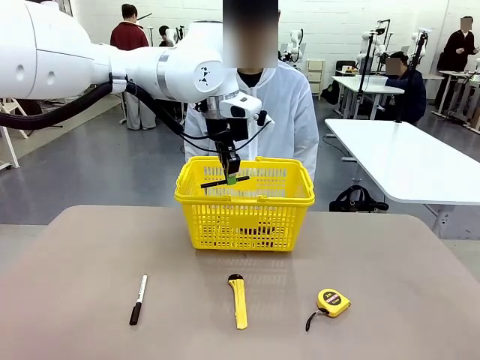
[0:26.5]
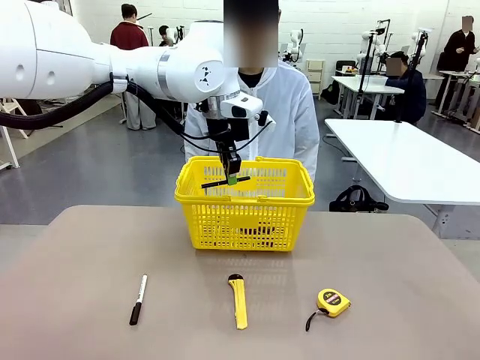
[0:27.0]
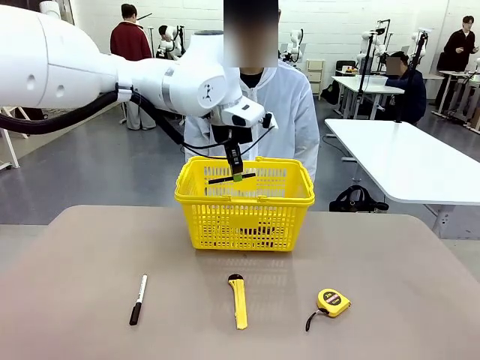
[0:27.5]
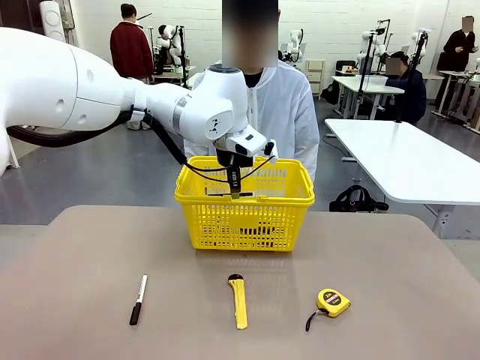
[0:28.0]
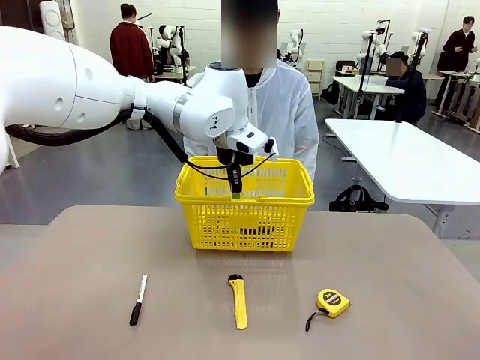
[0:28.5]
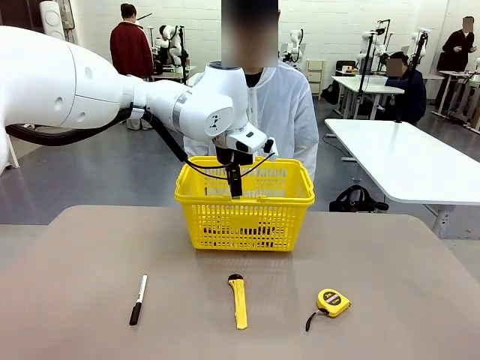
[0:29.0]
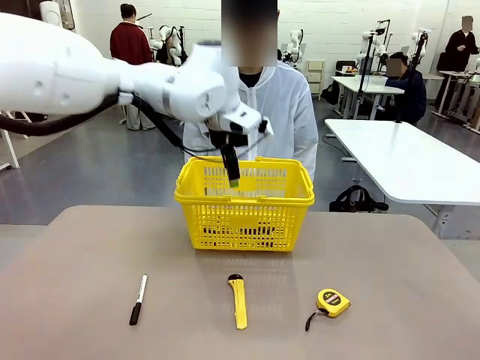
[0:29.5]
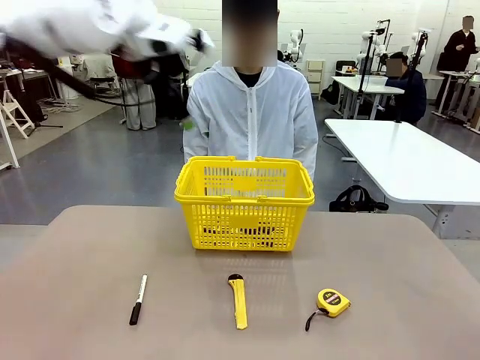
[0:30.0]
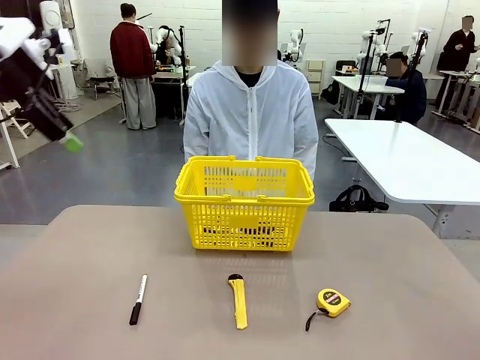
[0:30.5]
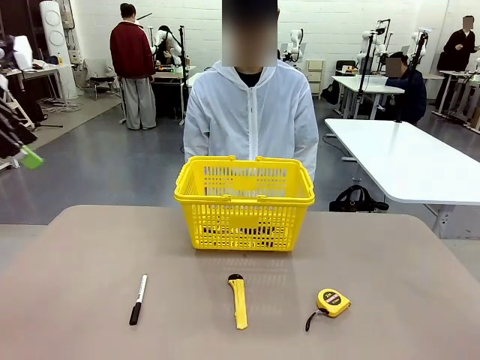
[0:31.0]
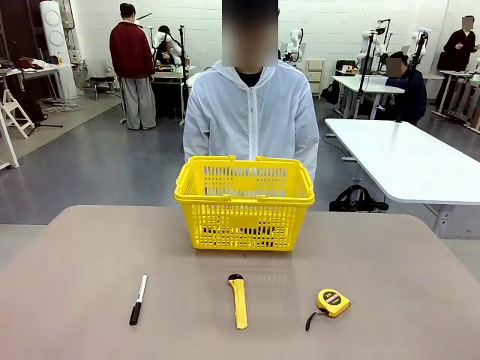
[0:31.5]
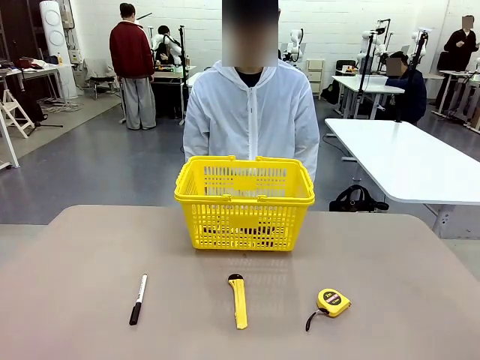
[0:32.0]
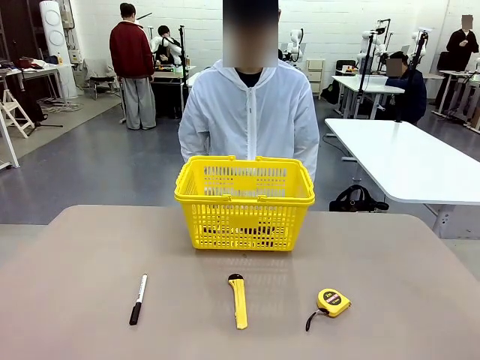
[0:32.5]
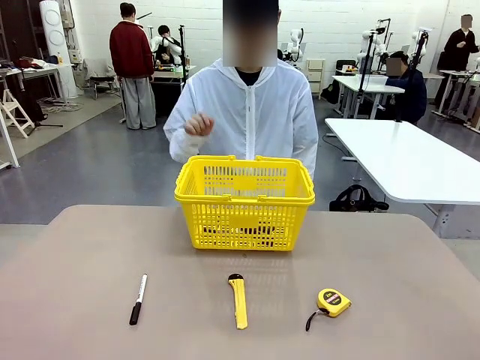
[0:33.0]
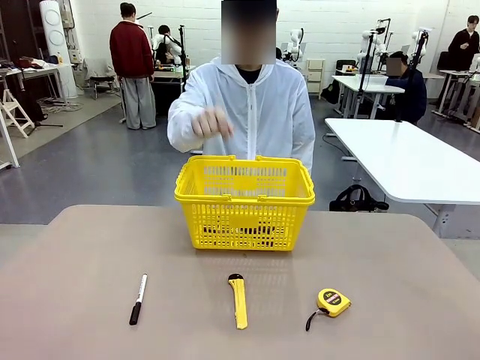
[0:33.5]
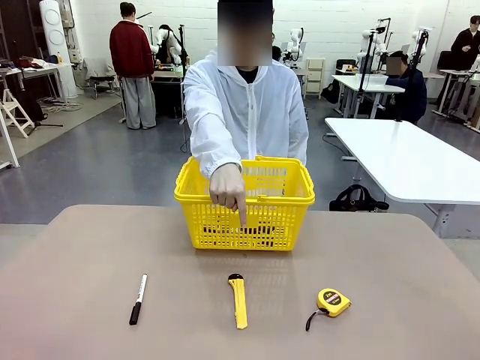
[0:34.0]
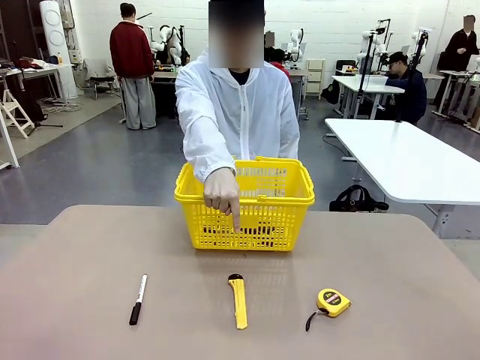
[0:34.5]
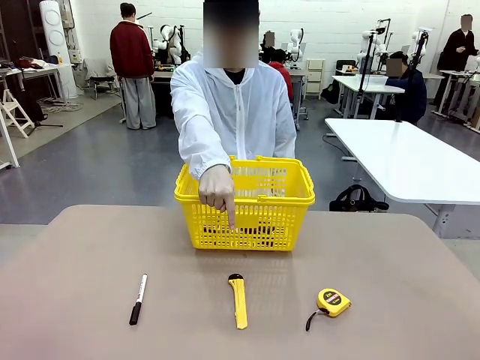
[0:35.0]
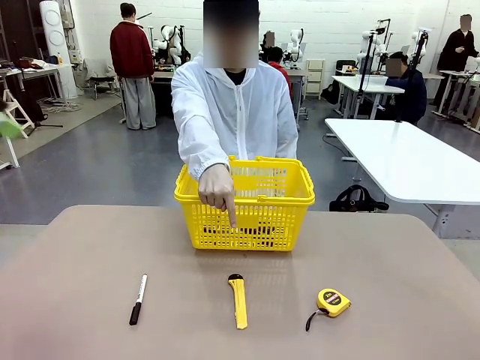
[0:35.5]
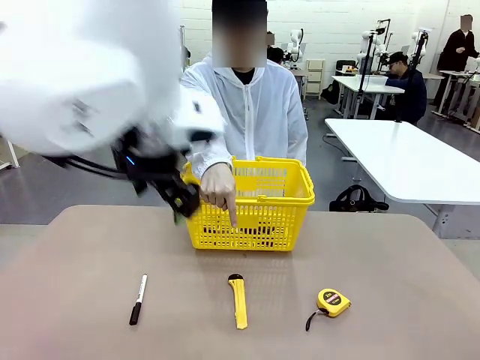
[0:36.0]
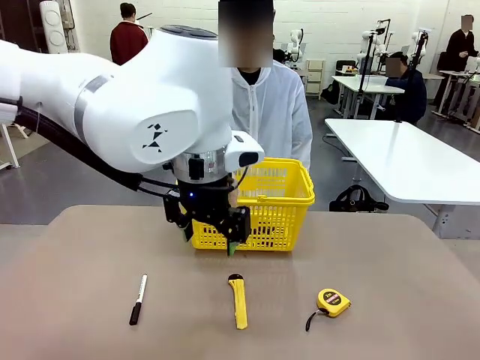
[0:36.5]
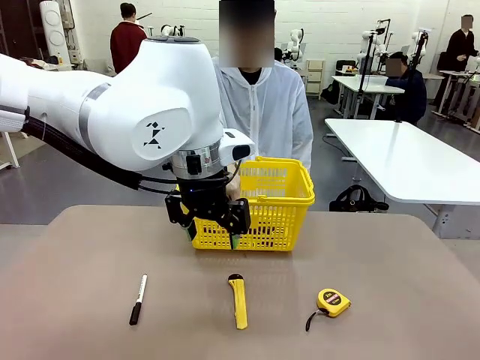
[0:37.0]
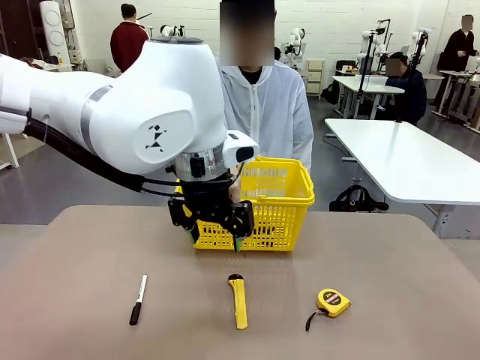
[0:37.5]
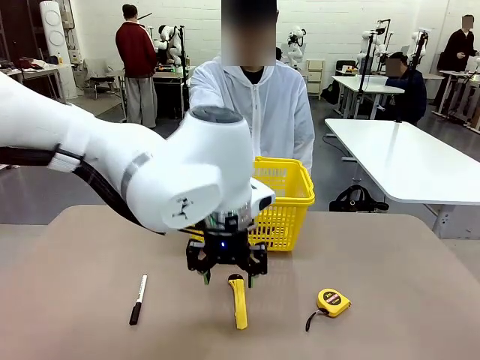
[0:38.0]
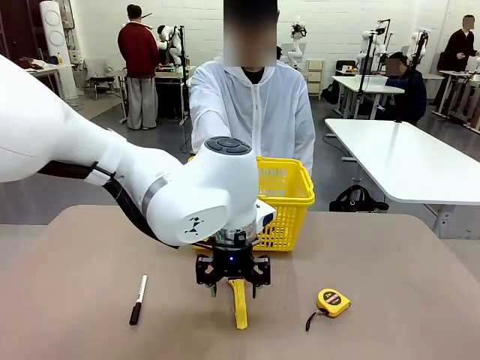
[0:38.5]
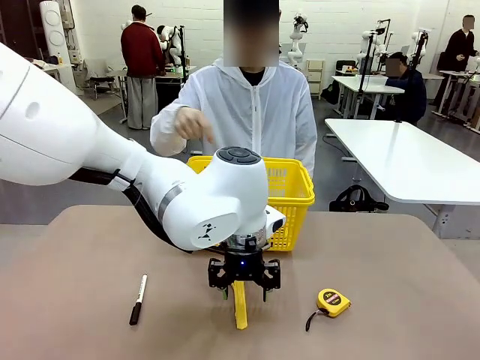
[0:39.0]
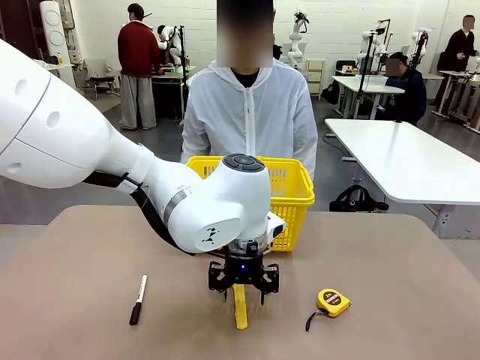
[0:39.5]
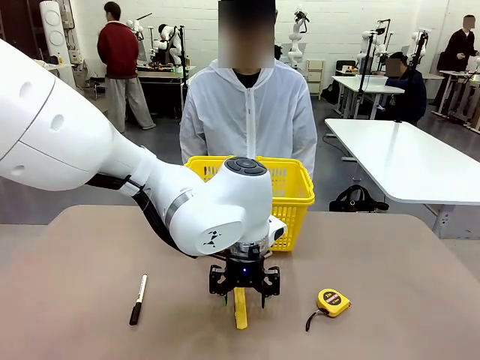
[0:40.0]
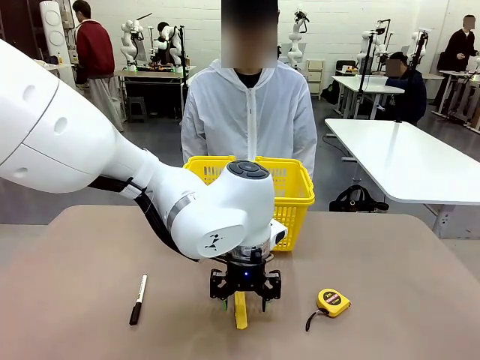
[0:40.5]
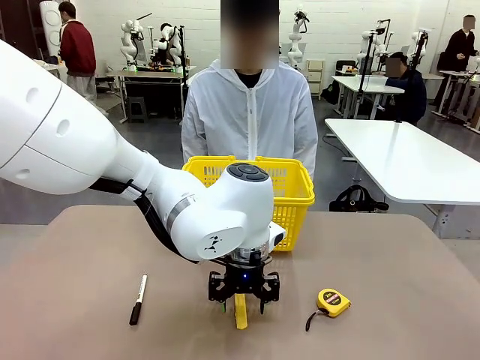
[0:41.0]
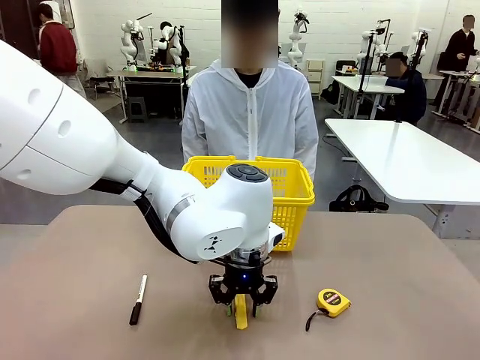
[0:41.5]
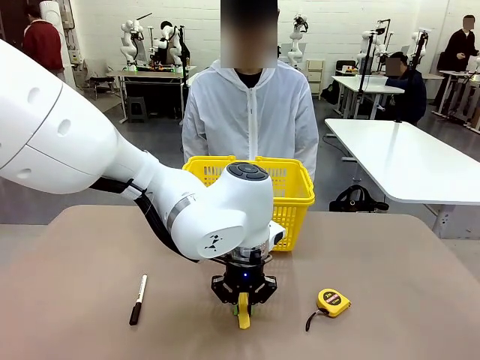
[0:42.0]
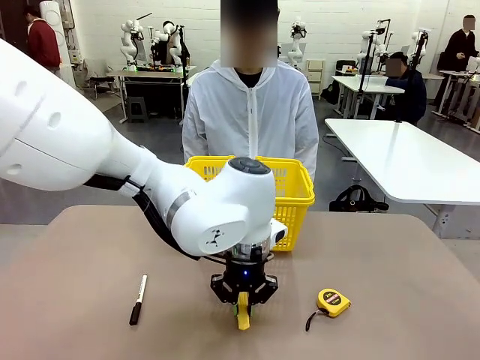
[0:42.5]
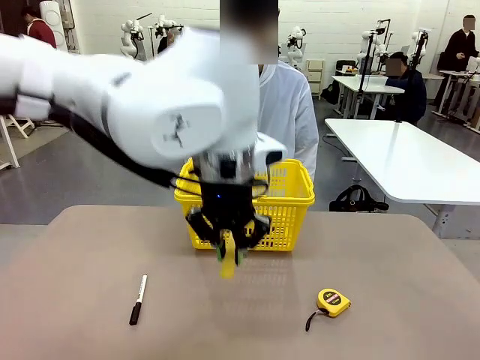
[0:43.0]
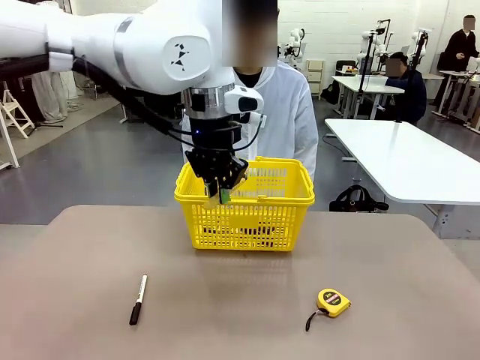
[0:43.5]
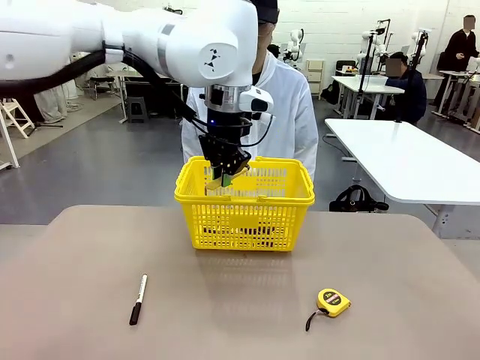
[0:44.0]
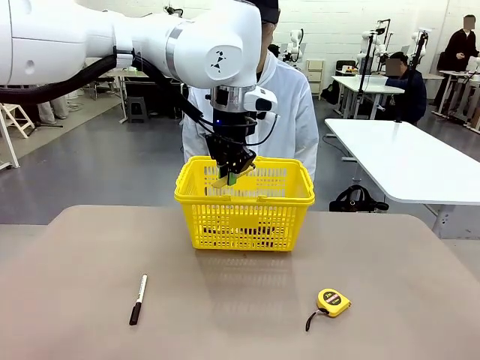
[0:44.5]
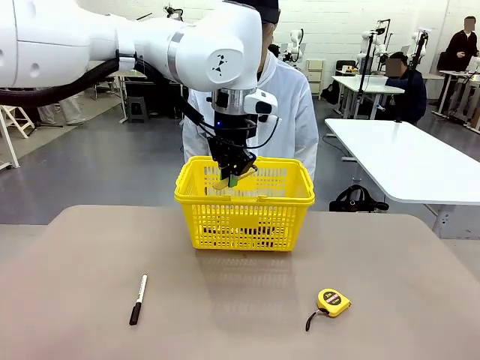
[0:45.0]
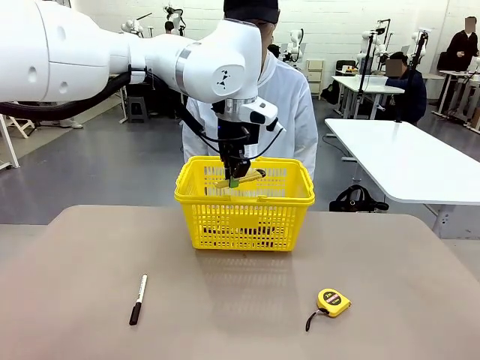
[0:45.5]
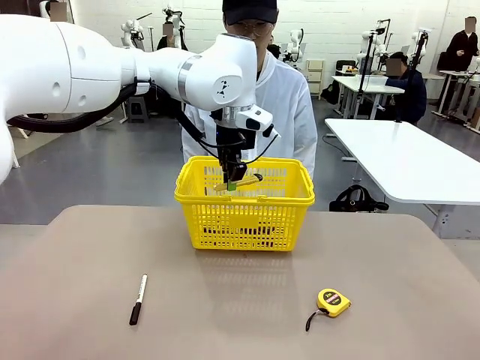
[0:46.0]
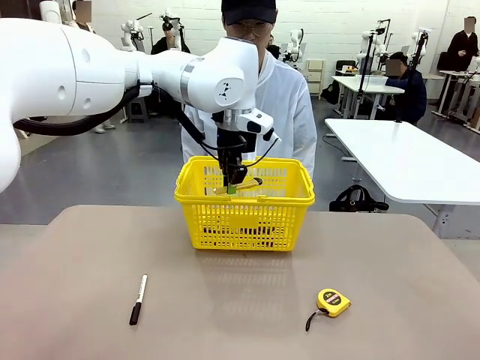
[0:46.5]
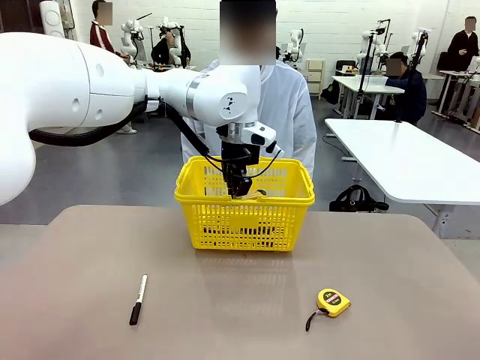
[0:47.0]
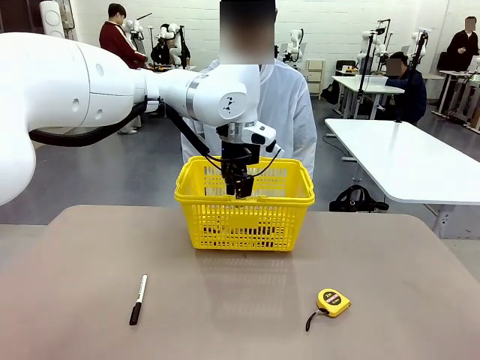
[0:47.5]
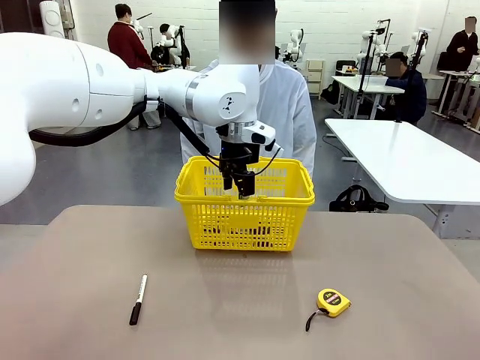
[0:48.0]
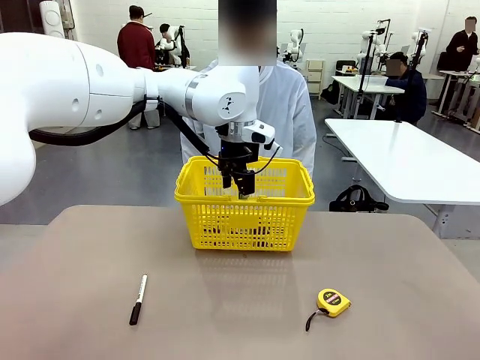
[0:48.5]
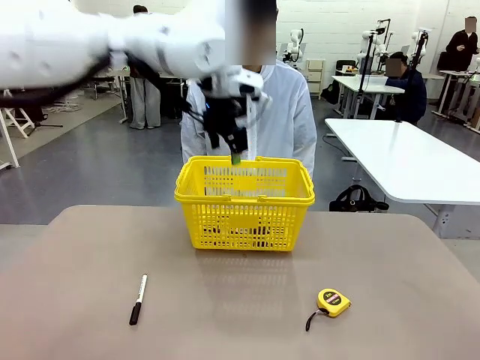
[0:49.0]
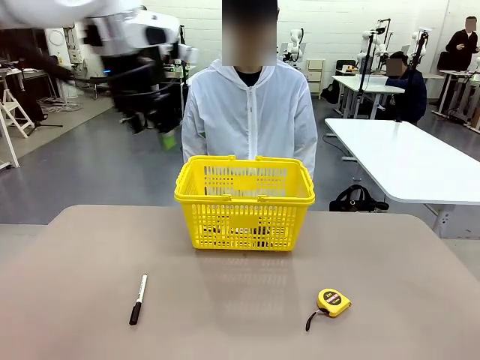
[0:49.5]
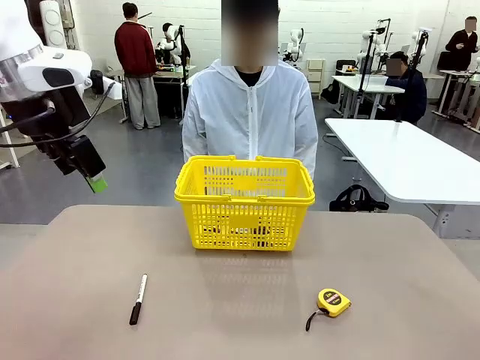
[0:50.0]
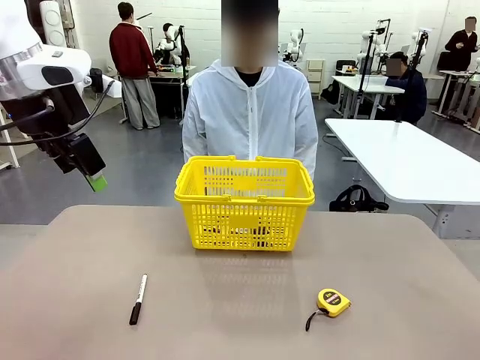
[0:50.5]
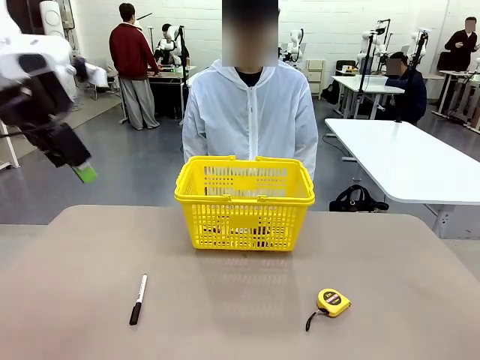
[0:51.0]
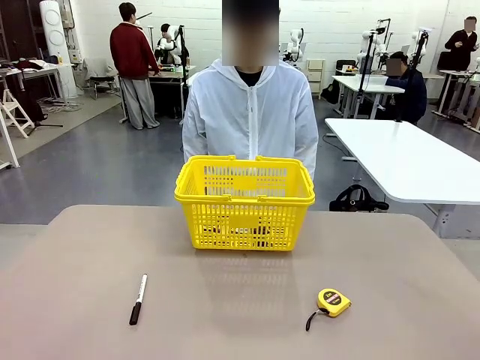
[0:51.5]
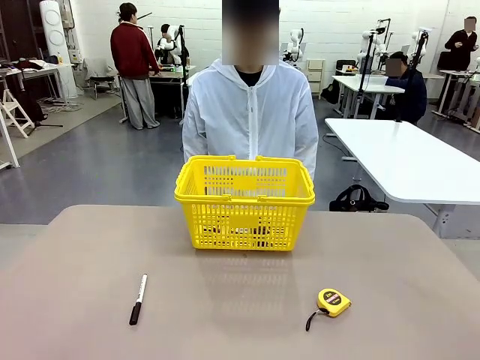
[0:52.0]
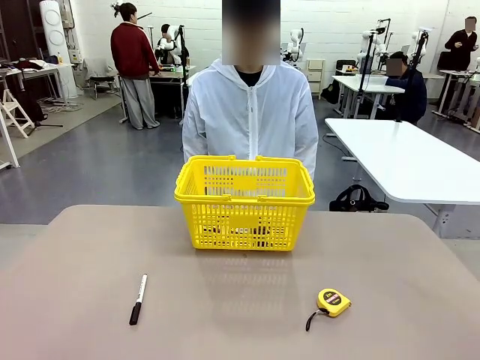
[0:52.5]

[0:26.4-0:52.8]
Task: Place the items the person wants into the basket.
Robot: Pick up the item the person points to and place it in the Market Basket.
